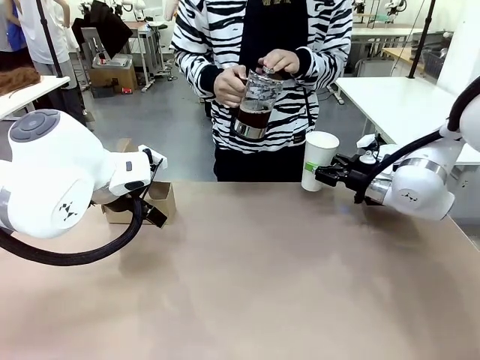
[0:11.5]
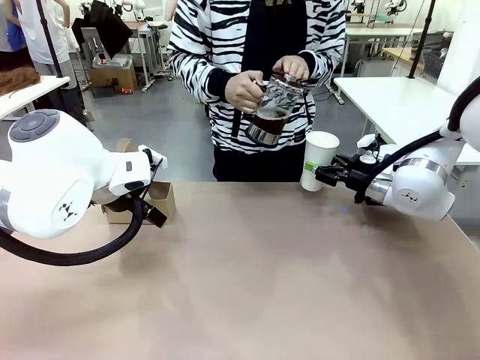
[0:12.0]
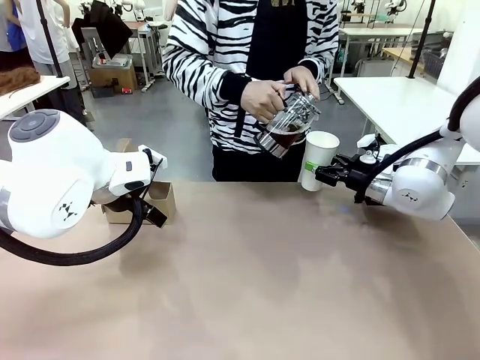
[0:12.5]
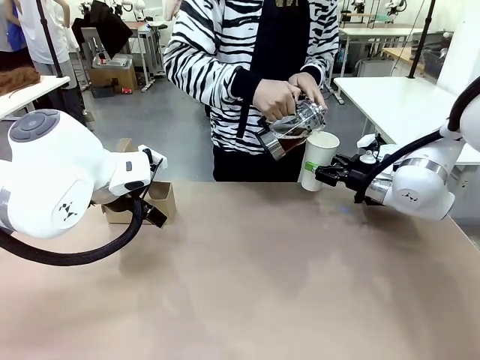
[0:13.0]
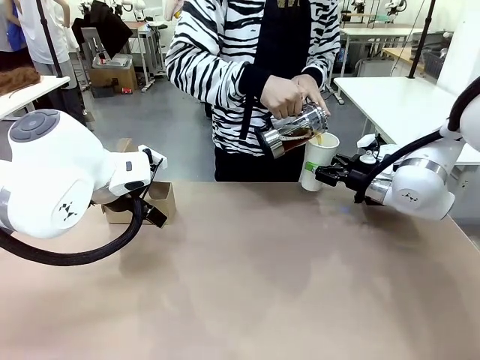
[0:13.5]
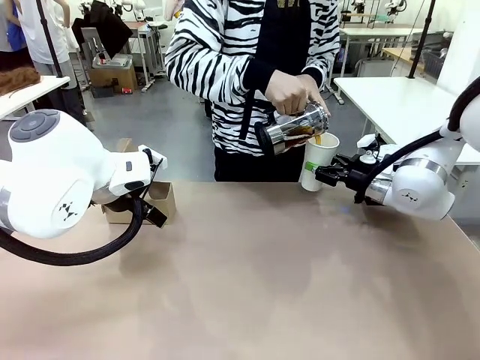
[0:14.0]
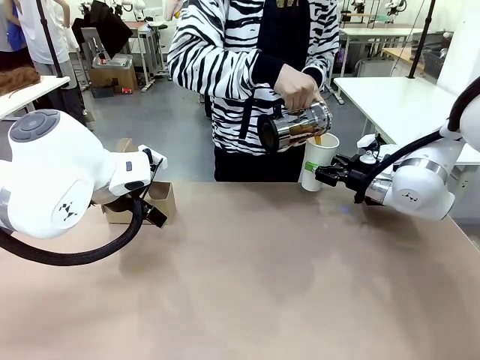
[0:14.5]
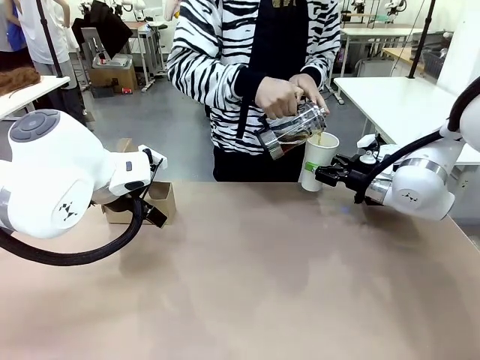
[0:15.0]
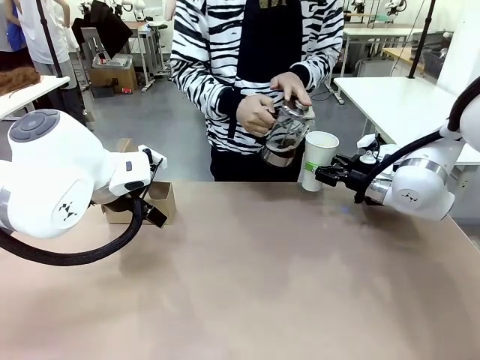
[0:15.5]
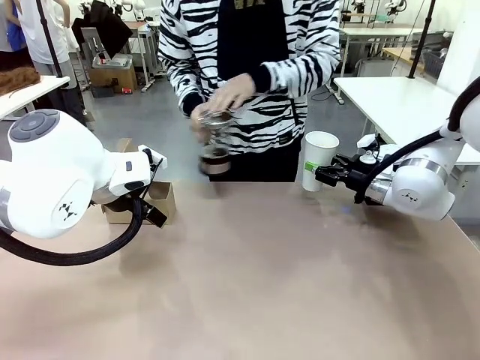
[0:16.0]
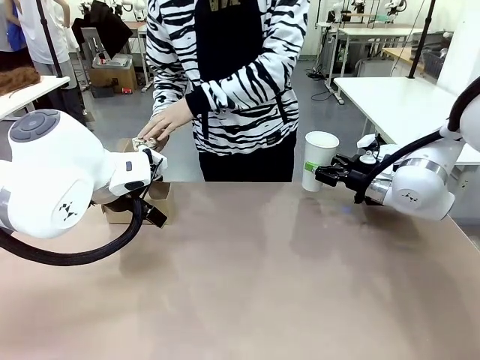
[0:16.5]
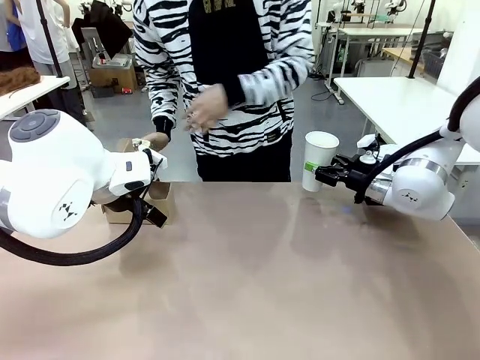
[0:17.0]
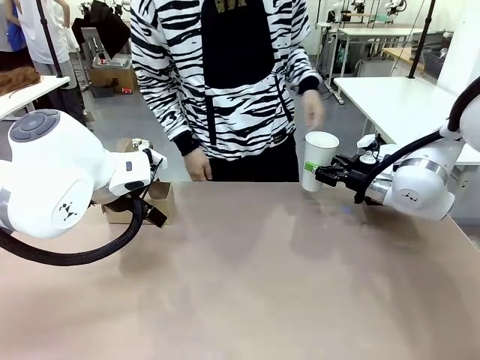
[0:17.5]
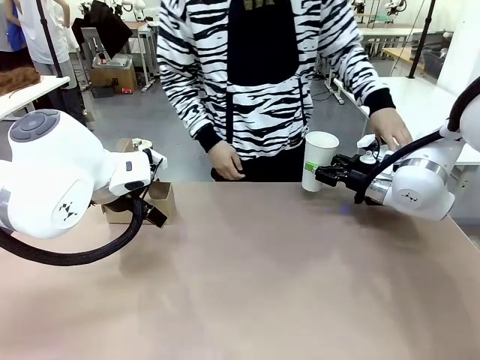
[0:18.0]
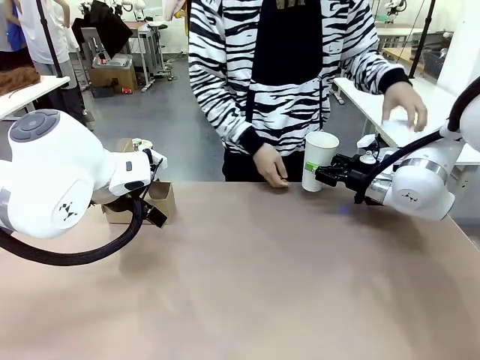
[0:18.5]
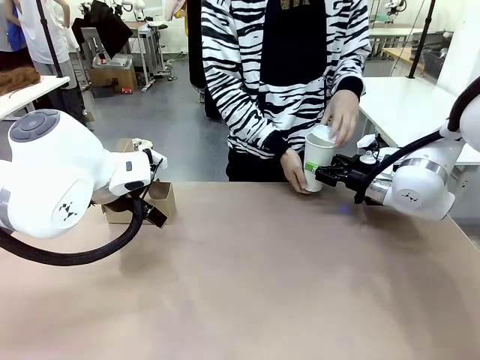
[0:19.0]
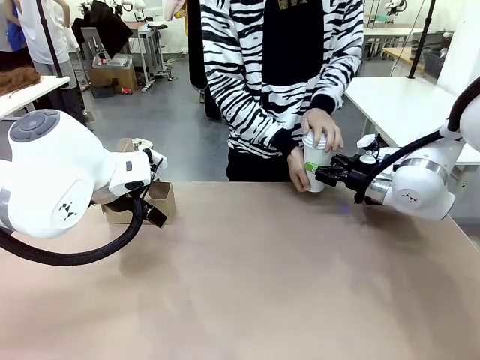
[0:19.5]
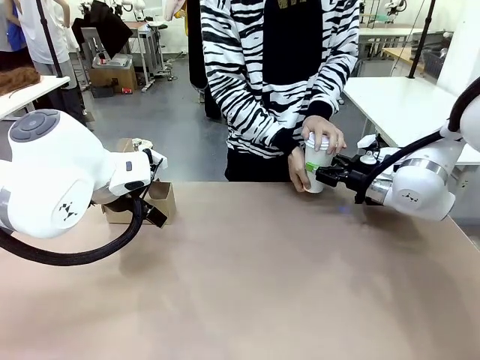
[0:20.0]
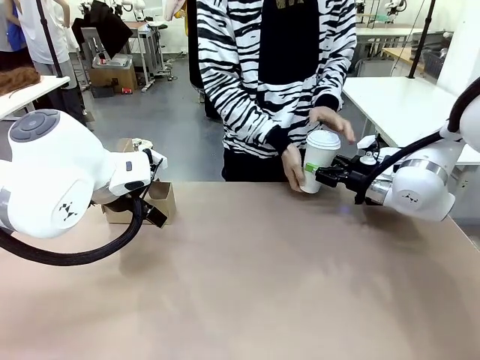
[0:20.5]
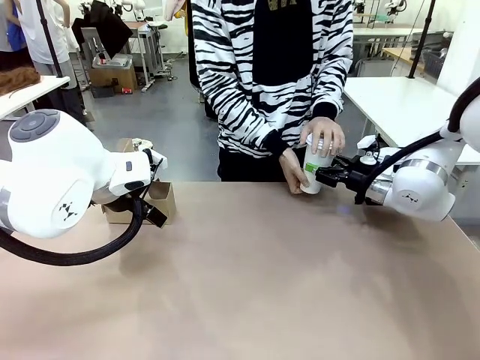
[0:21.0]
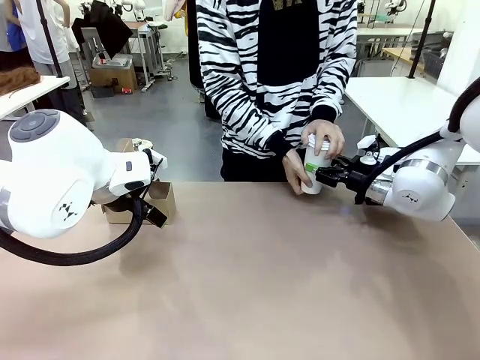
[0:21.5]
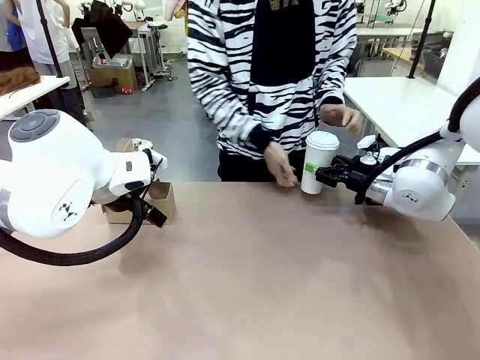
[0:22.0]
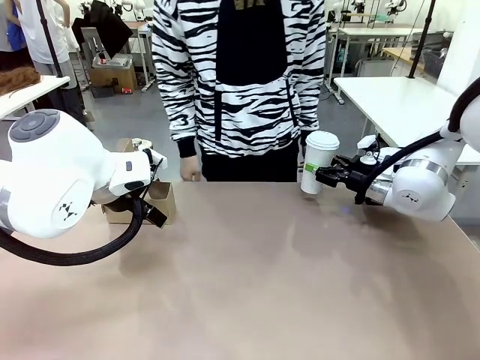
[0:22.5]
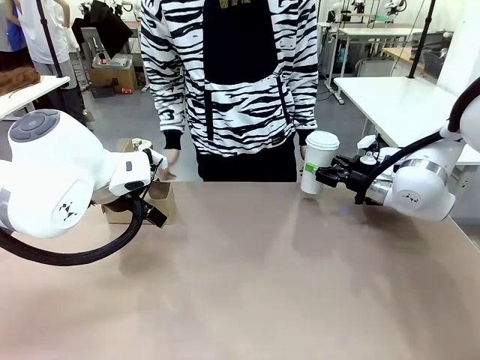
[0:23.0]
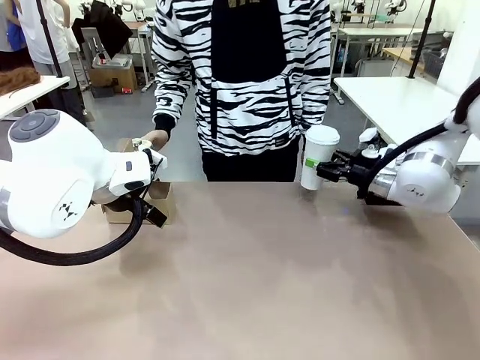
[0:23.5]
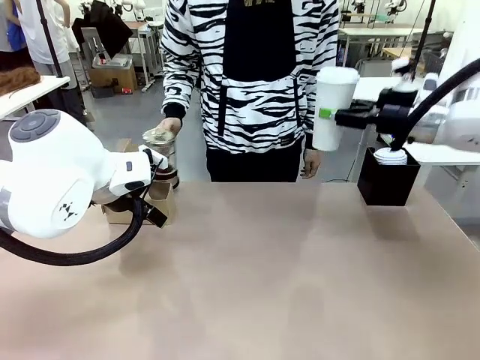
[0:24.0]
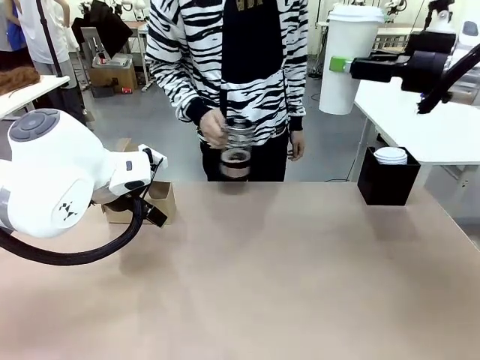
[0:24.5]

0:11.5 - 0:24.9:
Task: Pour a drink into a cup and package it in a carrier.
Robot: When a person places the Paper Cup Lid on the 600 ml Paper Cup , lift the 600 ml Paper Cup.
Person: Pour the drink from the Filter Brewing into the 600 ml Paper Cup. Place a Paper Cup Lid on the 600 ml Paper Cup.

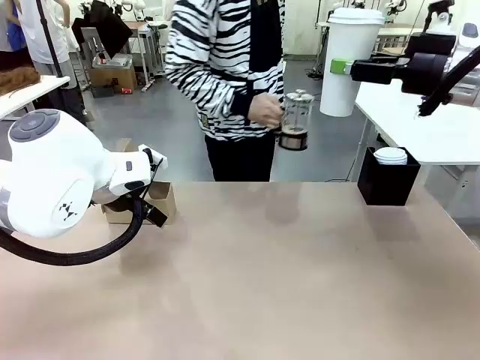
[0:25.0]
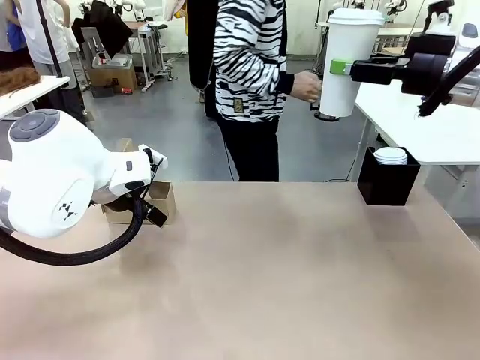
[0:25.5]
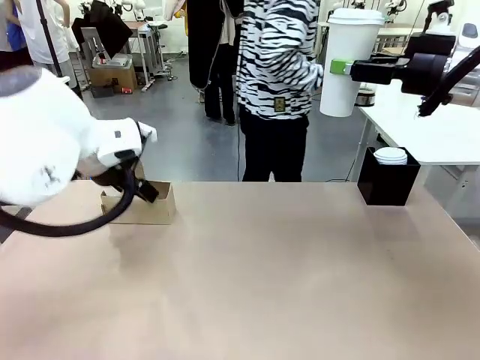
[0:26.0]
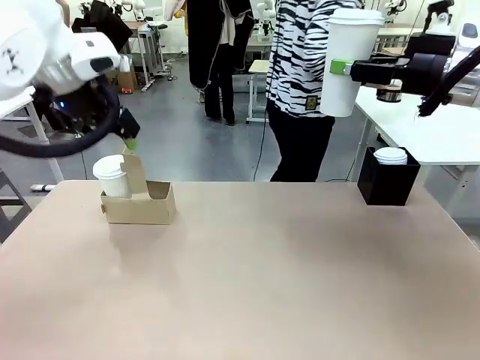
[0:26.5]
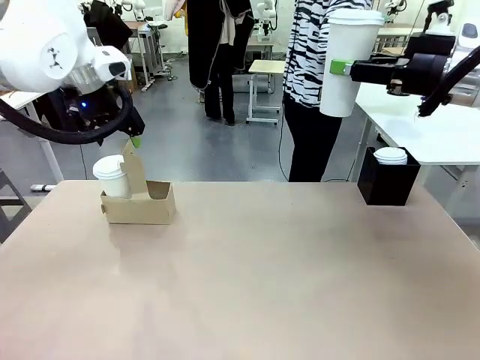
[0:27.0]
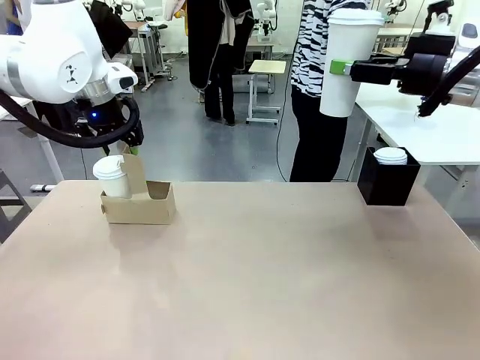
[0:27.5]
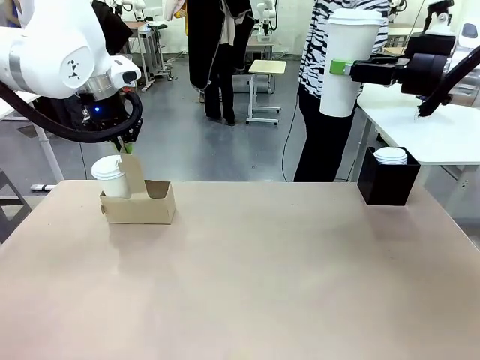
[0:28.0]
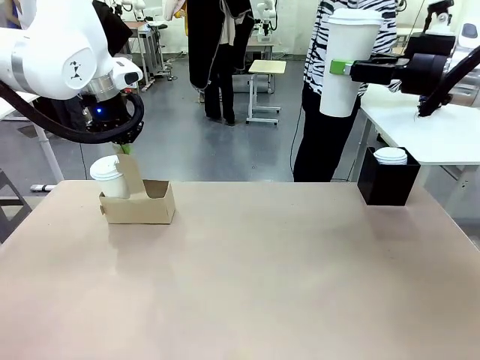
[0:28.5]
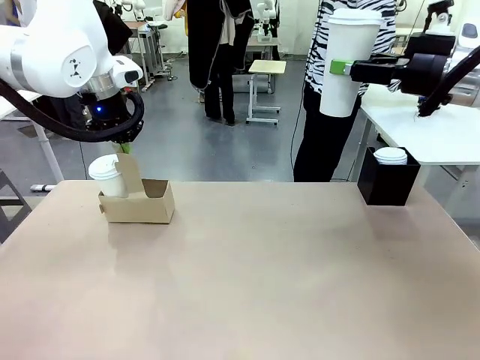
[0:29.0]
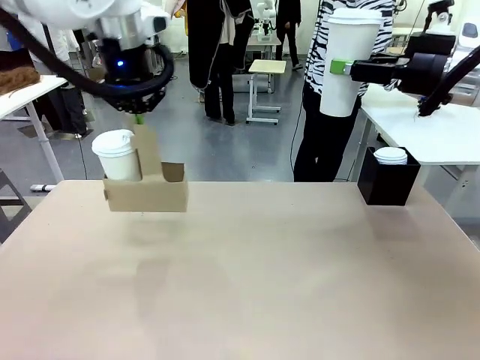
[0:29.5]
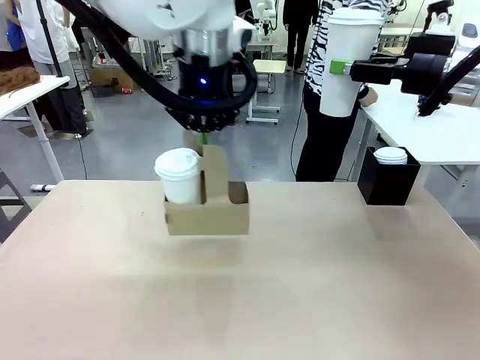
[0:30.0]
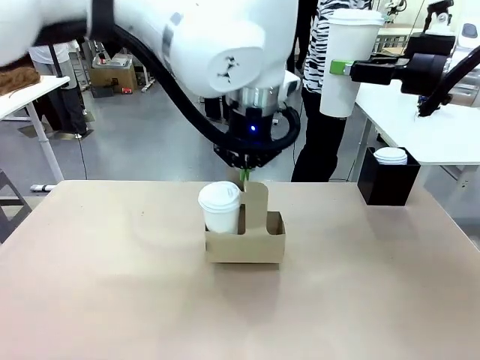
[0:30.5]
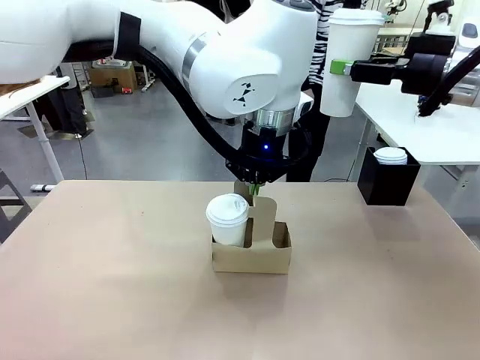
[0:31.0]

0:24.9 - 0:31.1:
Robot: Position the Cup Carrier in the center of the table.

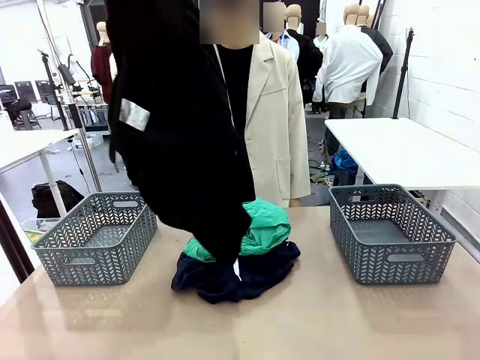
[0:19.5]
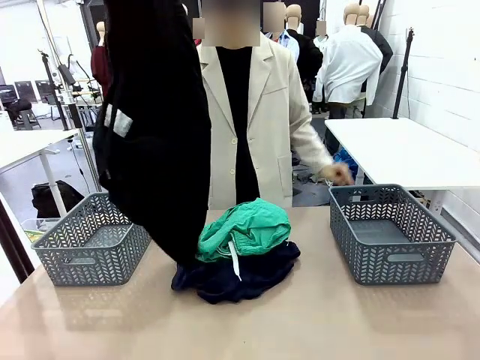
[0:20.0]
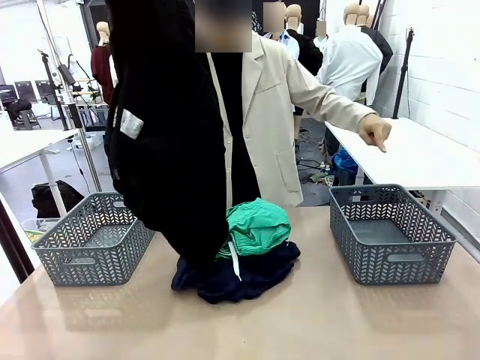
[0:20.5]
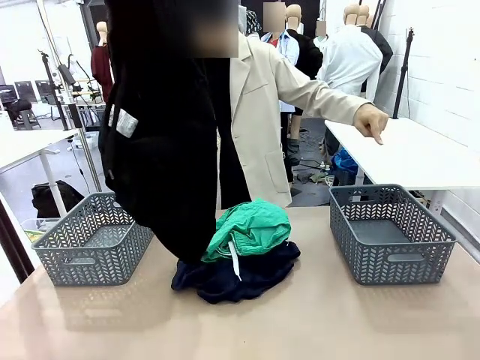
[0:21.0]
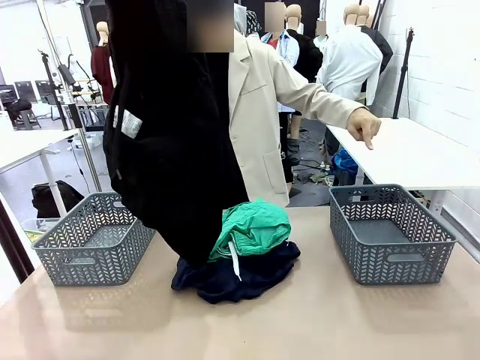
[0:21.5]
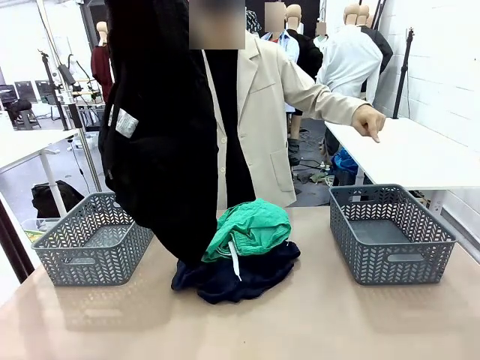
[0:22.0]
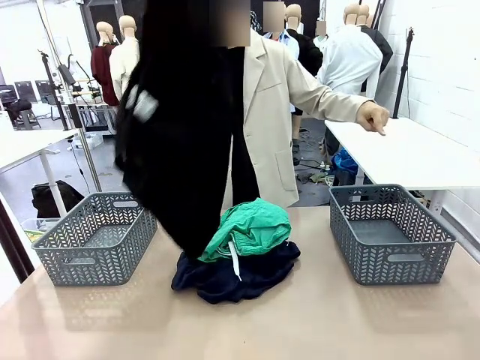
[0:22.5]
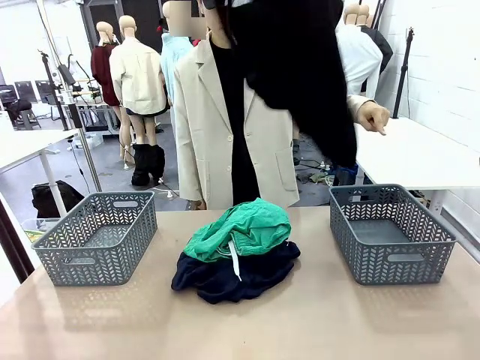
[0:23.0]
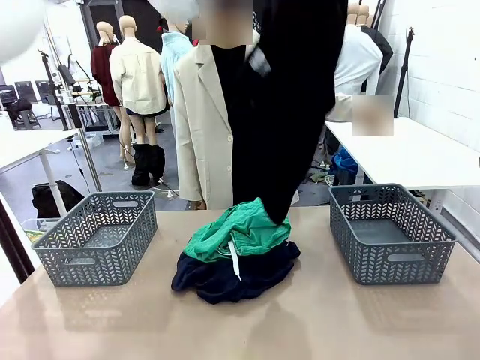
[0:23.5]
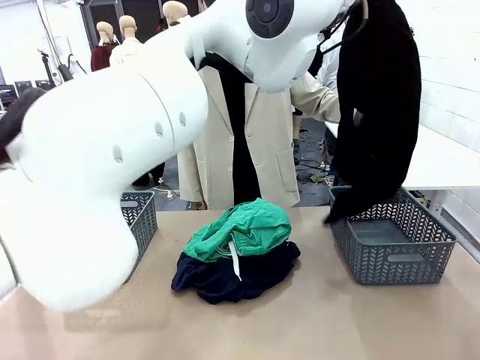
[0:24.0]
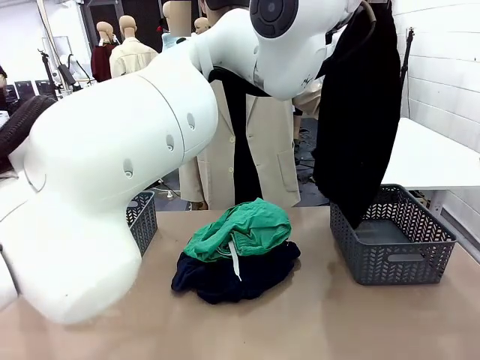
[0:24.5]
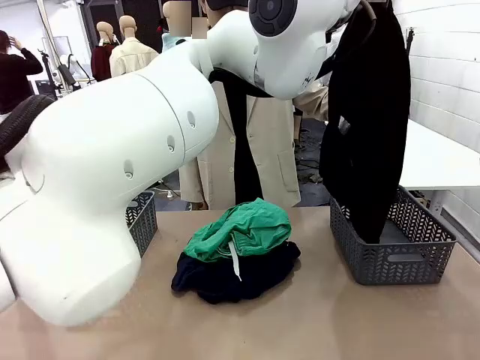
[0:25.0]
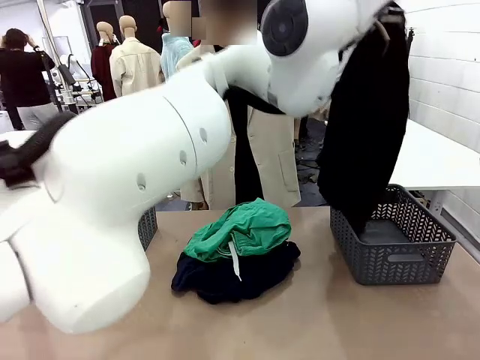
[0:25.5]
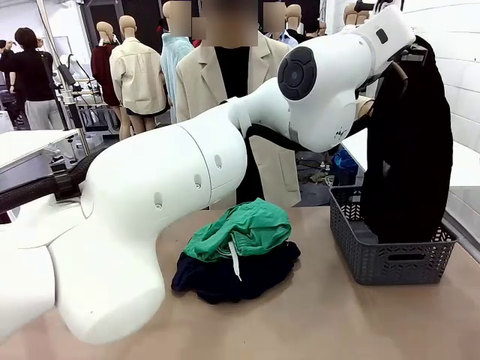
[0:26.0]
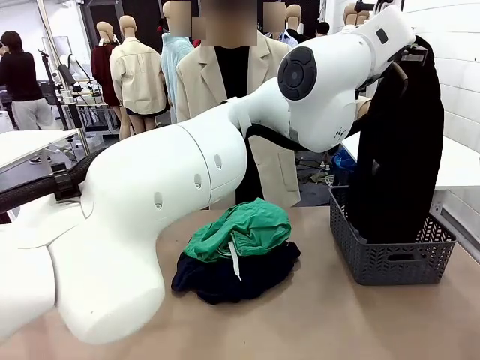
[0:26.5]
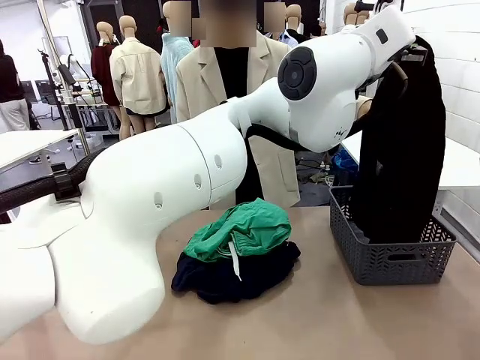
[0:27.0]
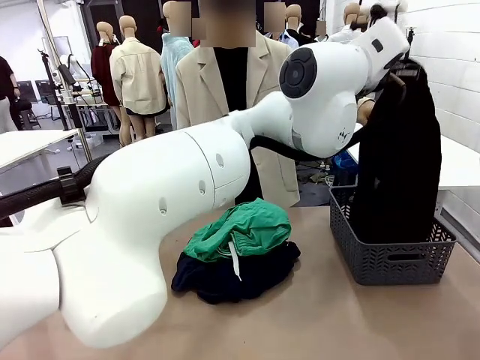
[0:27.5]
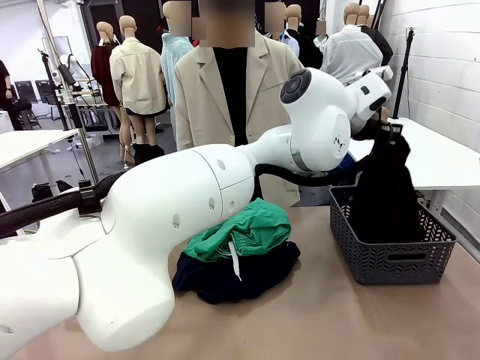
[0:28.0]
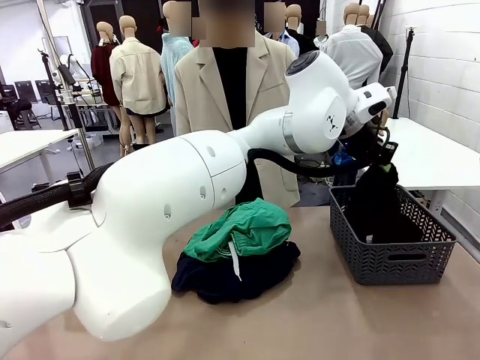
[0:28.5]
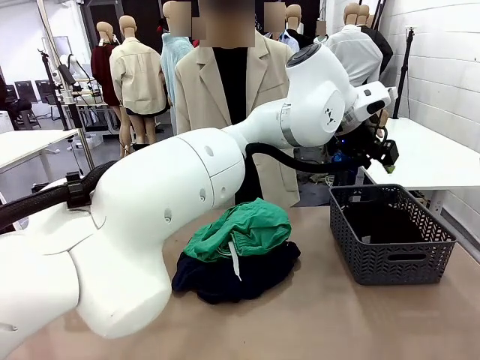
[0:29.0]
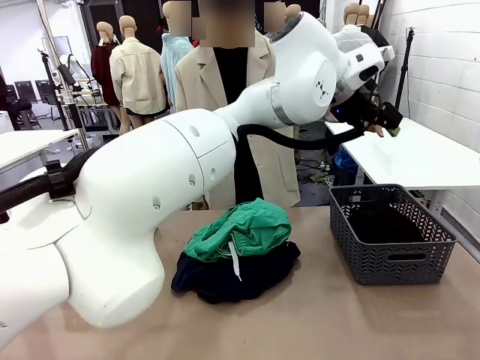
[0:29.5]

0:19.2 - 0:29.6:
Task: Sort the tops and bottoms.
Robot: Sort the clothes according to human instructions.
